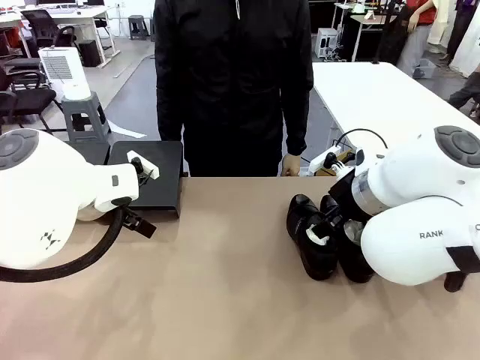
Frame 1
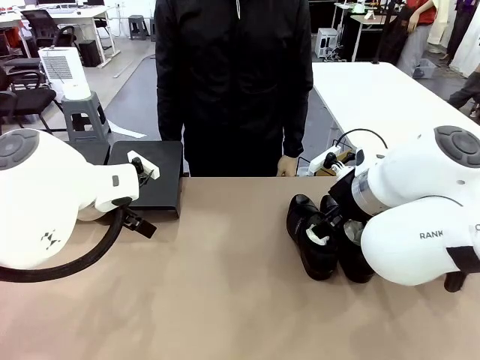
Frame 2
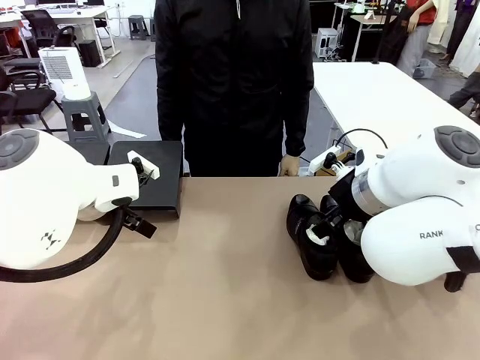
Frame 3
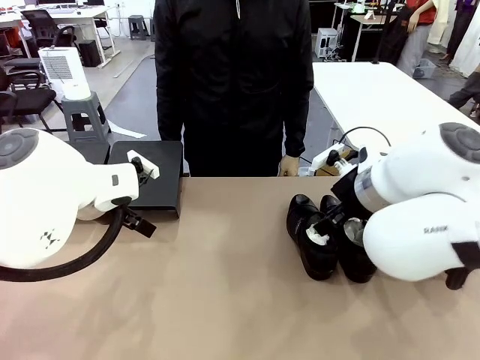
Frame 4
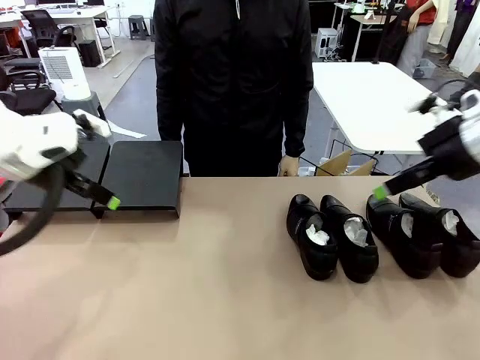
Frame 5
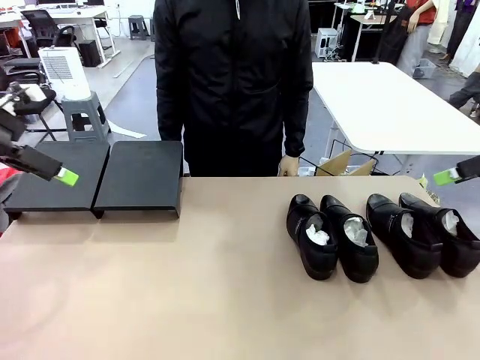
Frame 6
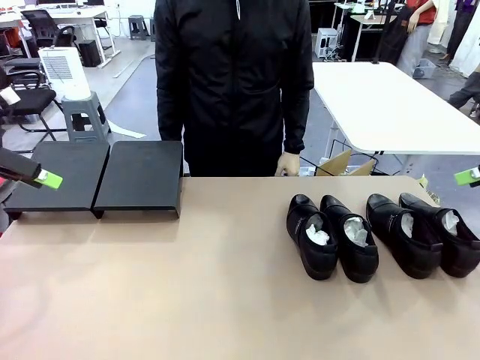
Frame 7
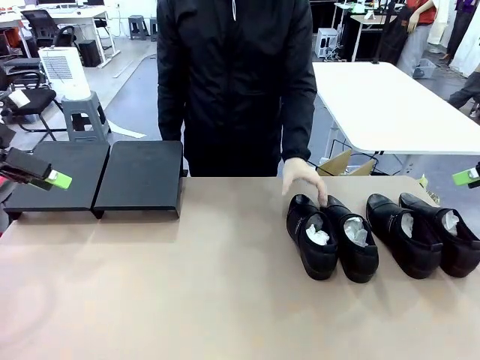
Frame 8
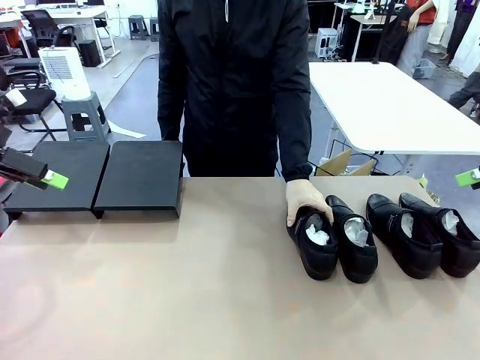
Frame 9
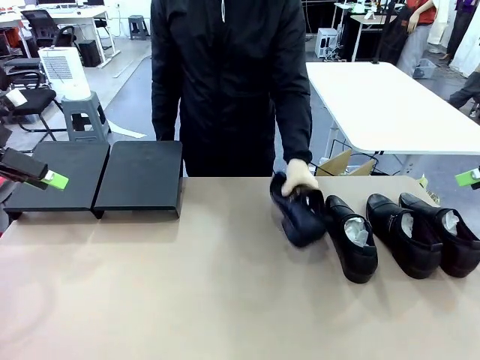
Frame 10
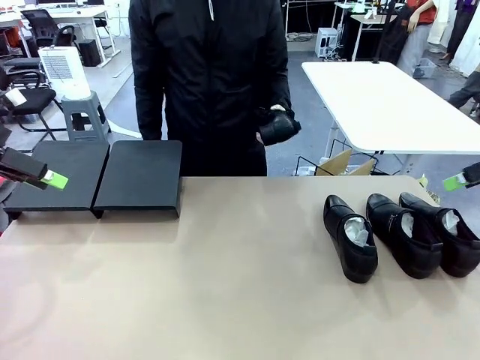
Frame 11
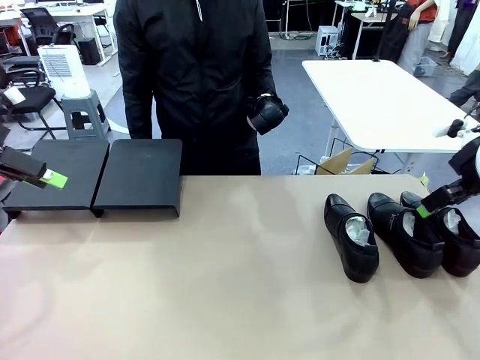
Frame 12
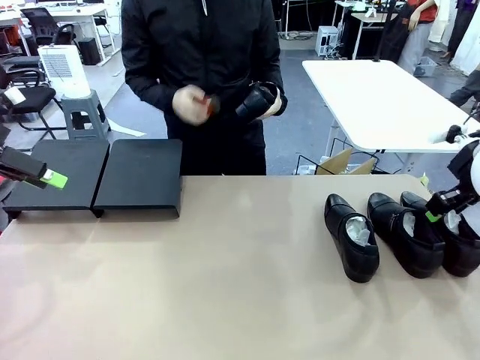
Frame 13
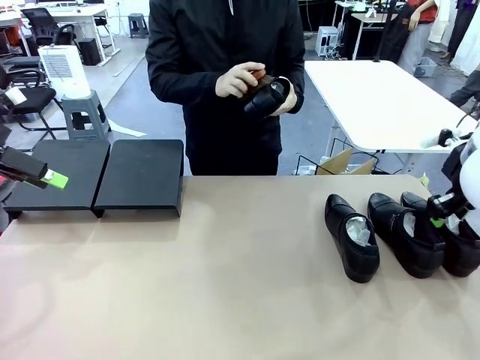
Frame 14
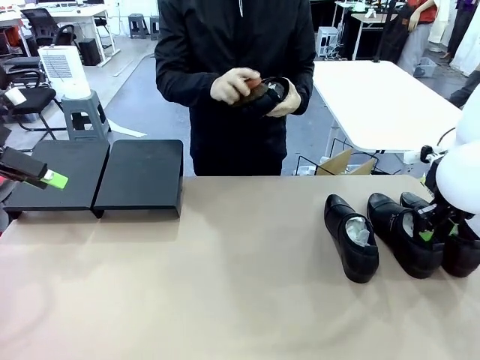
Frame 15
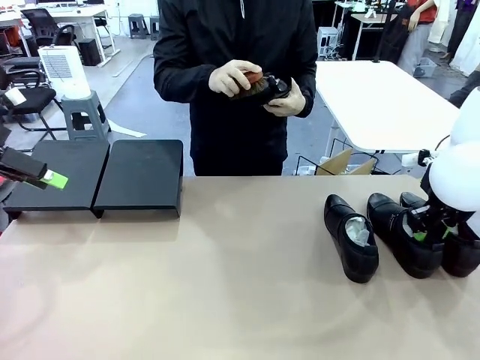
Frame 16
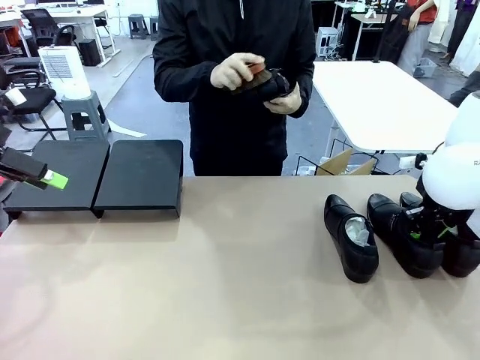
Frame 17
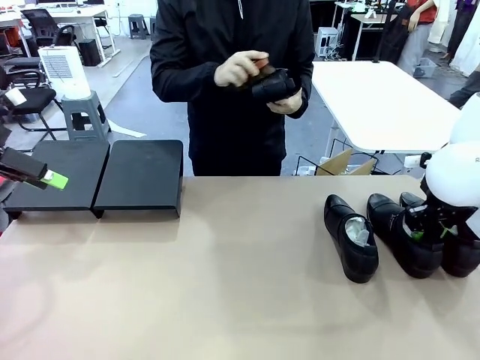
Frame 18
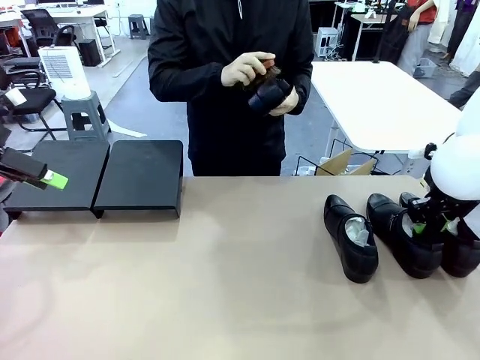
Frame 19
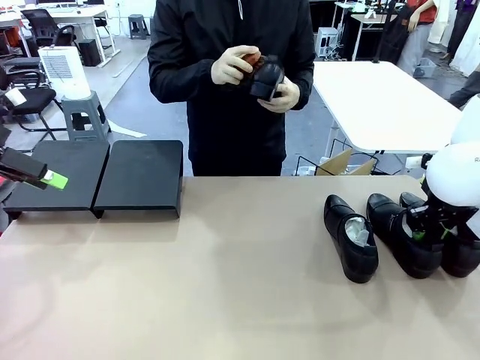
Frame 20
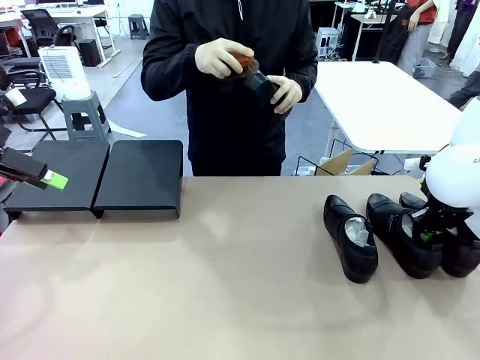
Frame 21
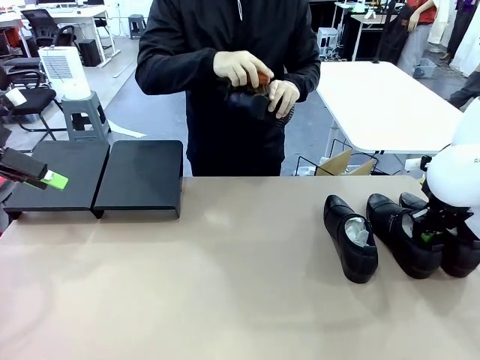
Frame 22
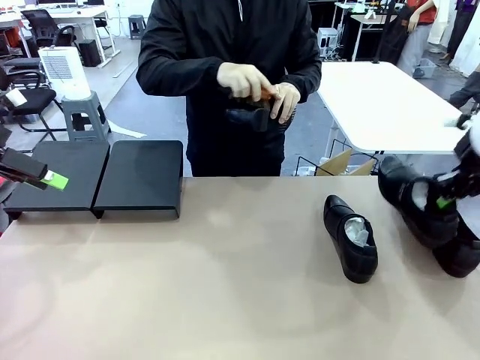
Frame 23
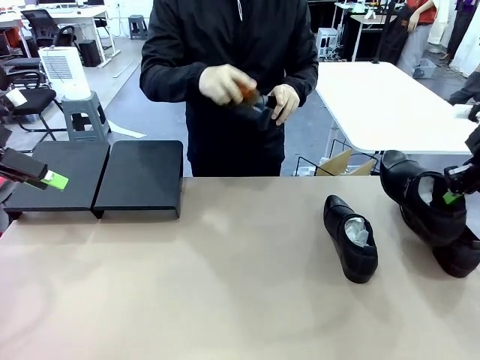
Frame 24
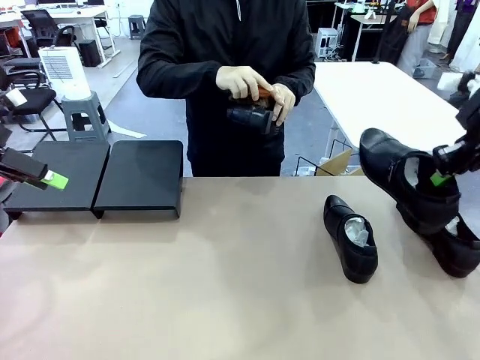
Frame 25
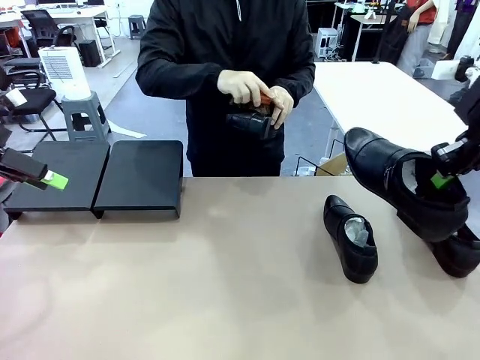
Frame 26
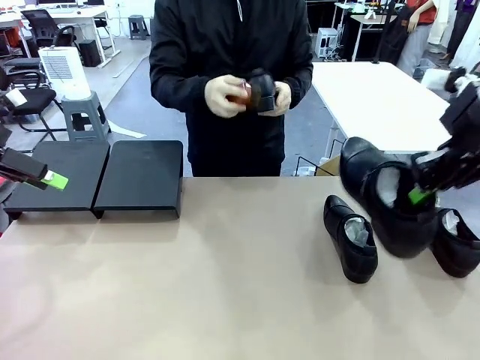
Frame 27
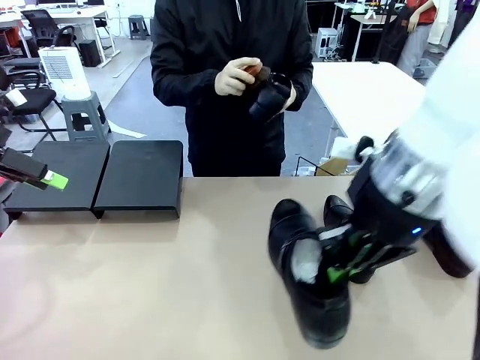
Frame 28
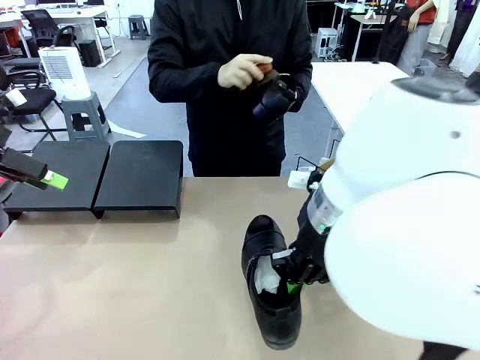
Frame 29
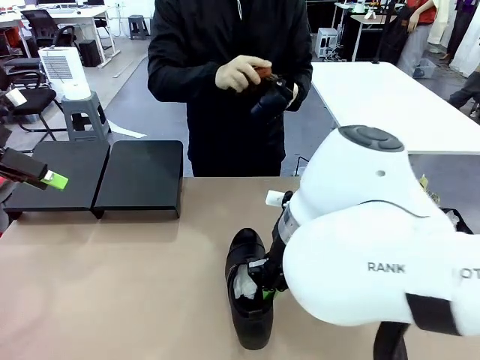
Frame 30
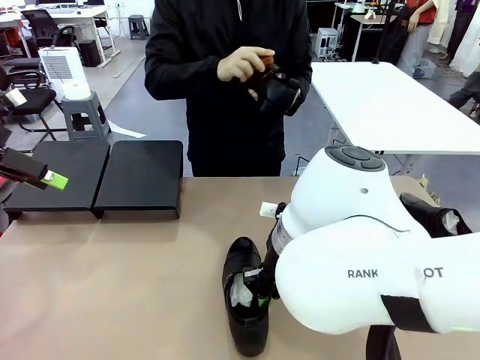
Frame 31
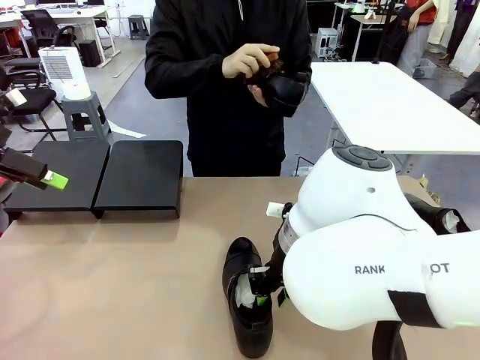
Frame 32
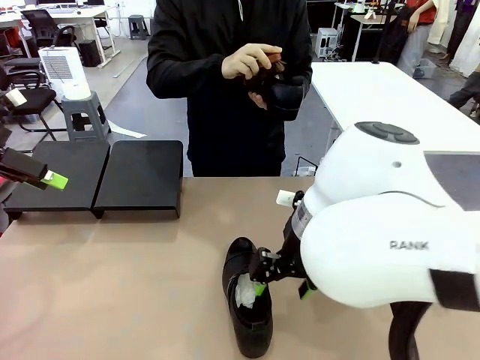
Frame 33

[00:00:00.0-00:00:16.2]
Task: Organize the shoes by placing them on the stand.
Robot: Pick up one Shoe and place it in the middle of the table.
Person: Pick one Shoe on Robot's table. Clean the Shoe with the Shoe Brush.

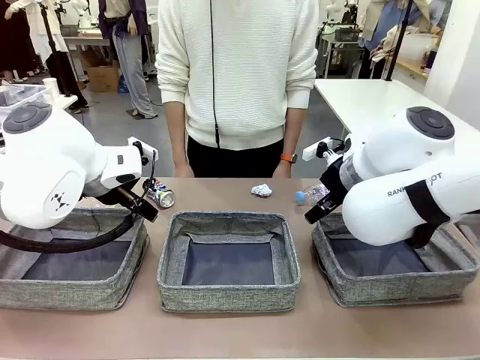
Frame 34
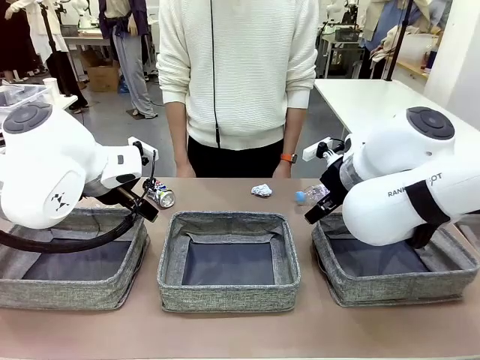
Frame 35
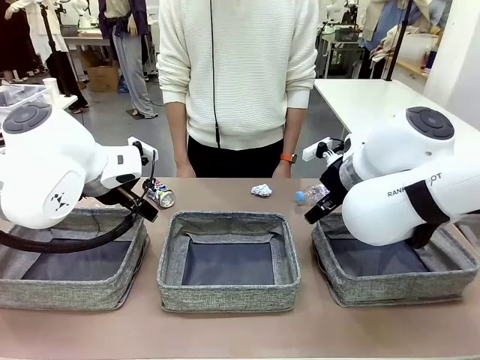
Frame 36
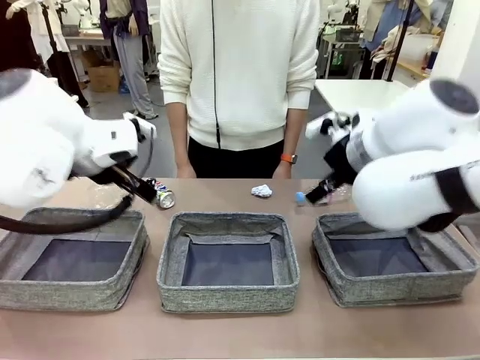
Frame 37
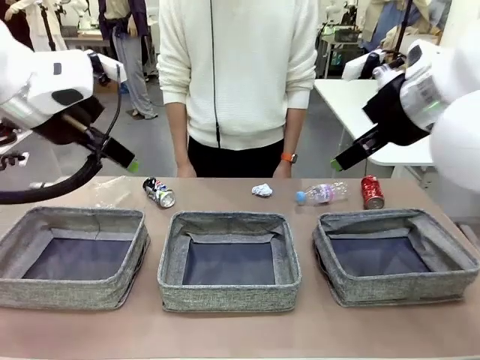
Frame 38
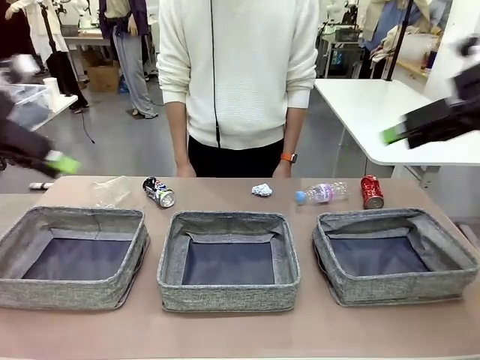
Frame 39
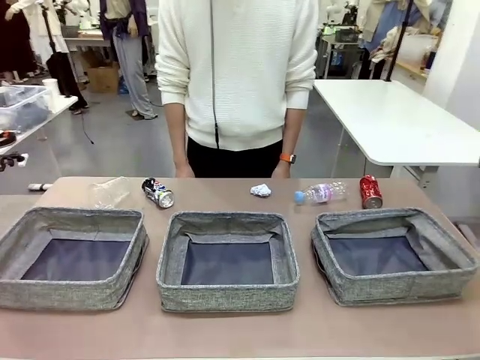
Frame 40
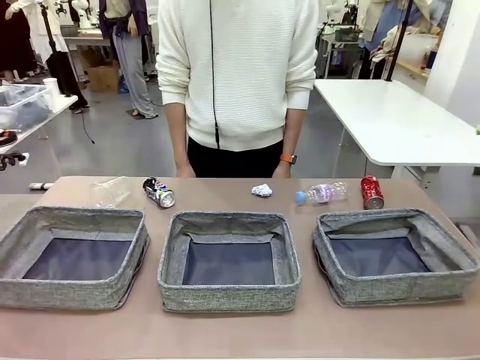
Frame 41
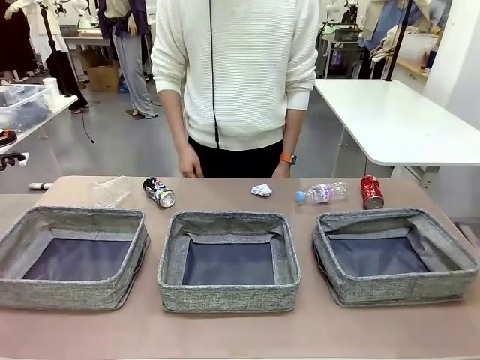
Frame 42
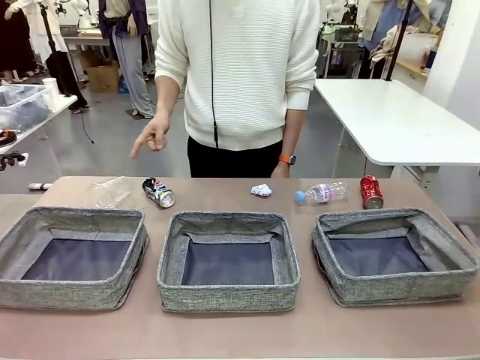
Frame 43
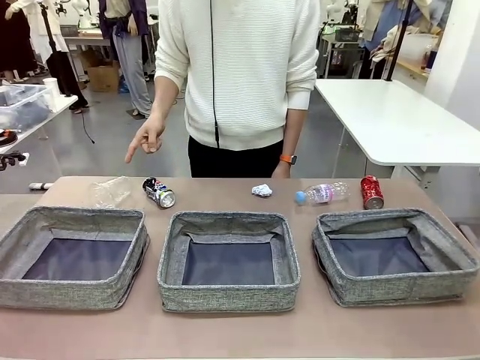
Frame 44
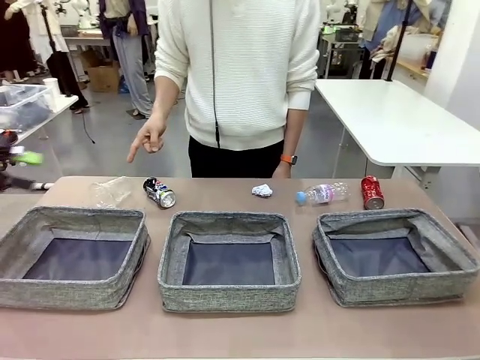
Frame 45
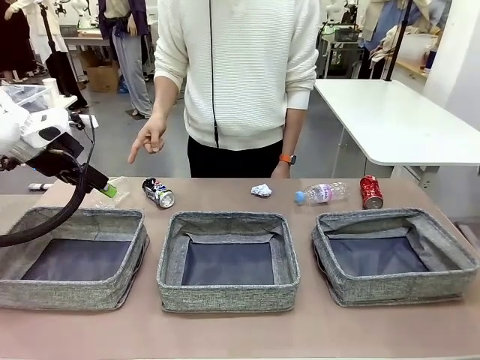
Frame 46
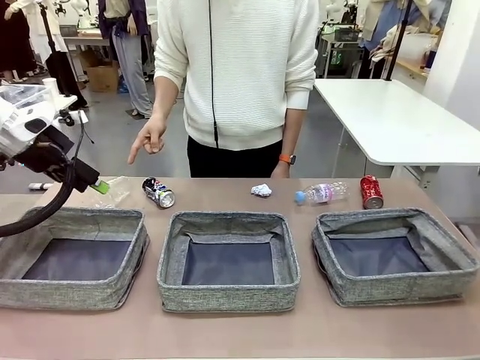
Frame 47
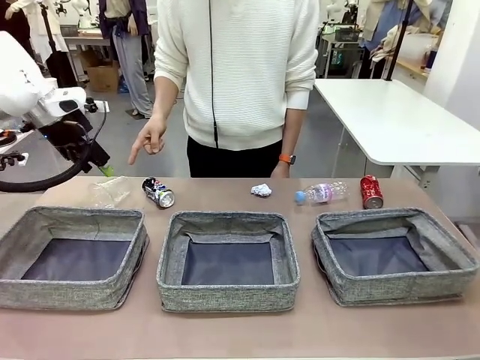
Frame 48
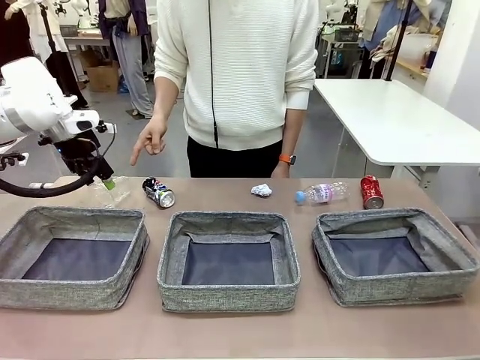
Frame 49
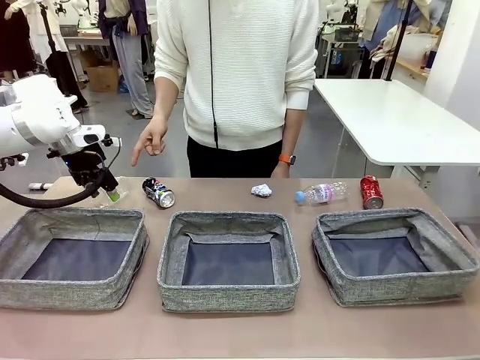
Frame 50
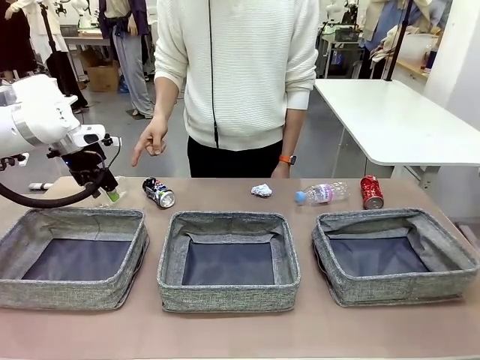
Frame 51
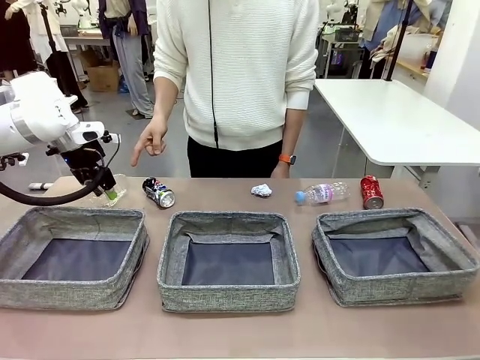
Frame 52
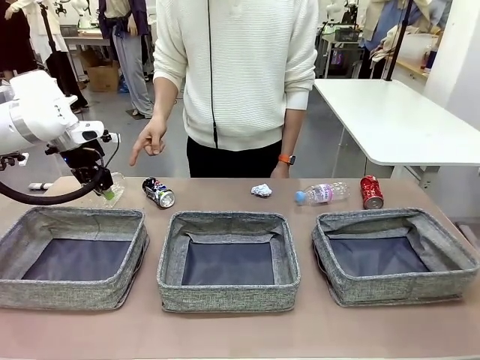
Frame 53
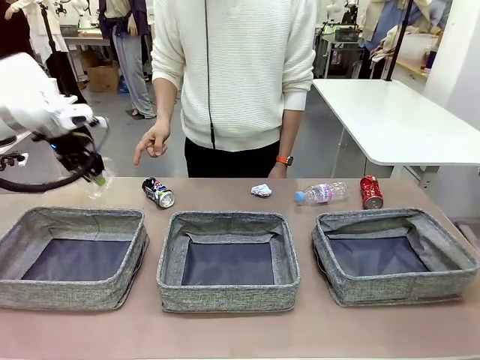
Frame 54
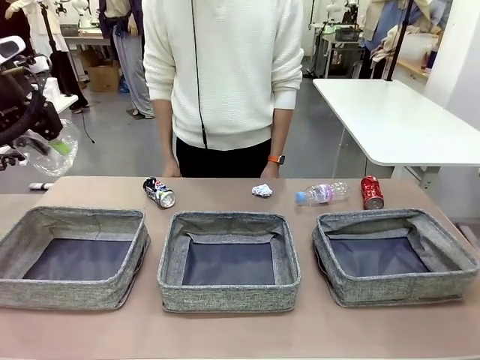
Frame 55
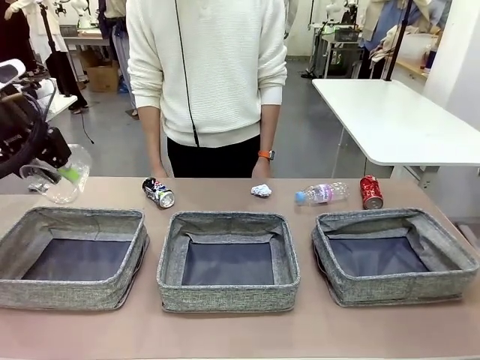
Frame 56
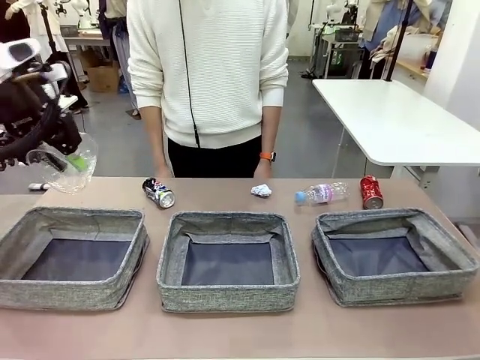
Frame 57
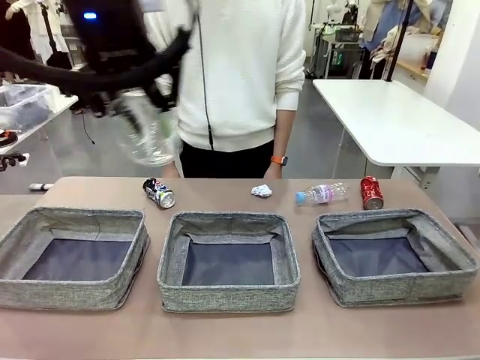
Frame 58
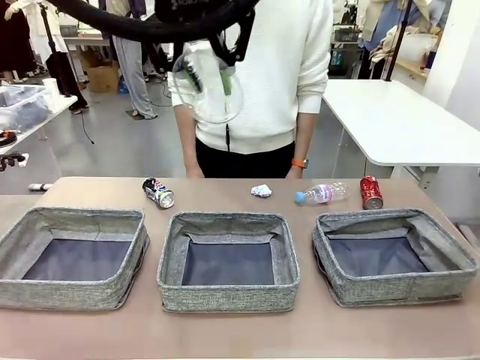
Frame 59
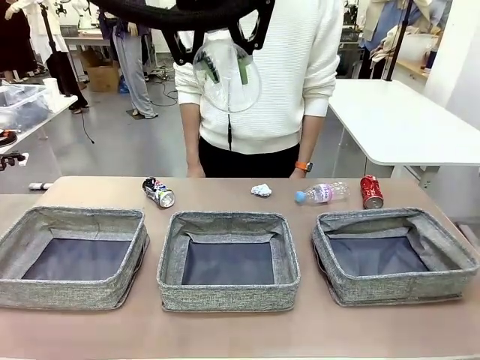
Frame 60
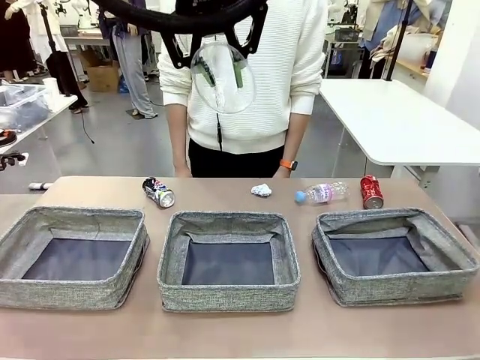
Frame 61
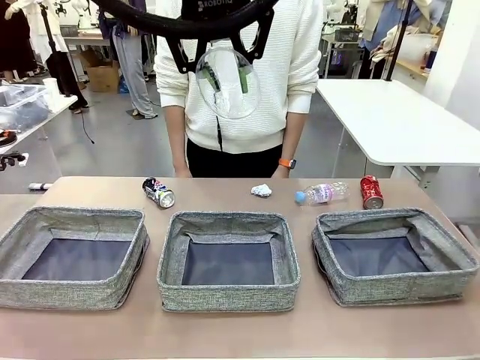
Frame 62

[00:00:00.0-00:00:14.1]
Task: Sort the waste into the appropriate baskets.
Robot: Pick up the waste item pointed out by the person.
Person: Points to one piece of trash on the table.
